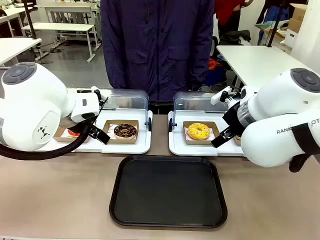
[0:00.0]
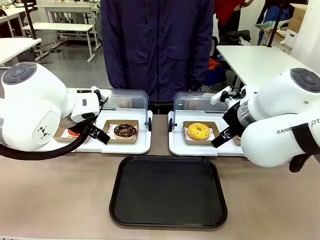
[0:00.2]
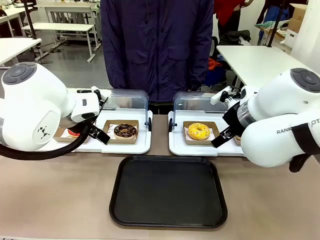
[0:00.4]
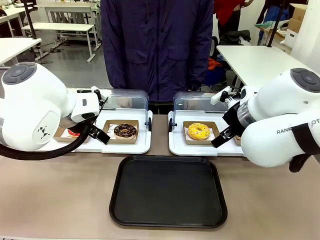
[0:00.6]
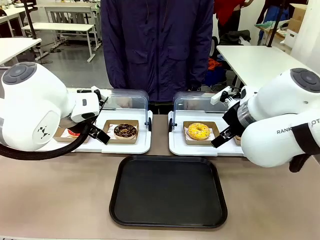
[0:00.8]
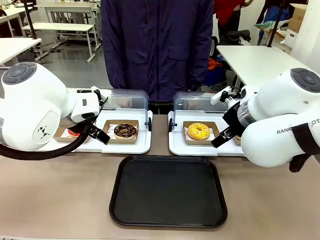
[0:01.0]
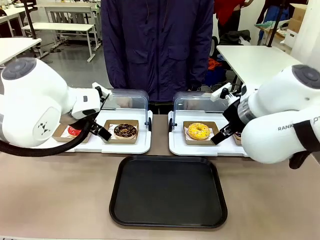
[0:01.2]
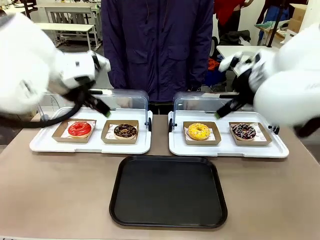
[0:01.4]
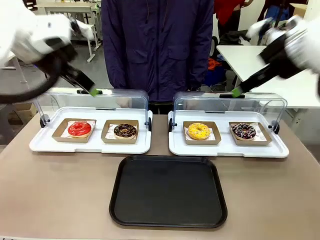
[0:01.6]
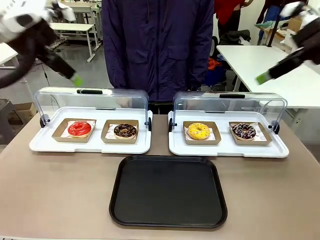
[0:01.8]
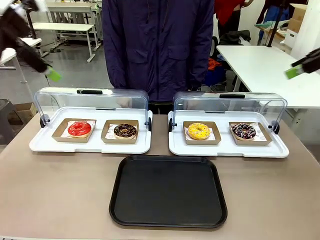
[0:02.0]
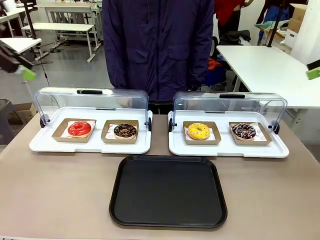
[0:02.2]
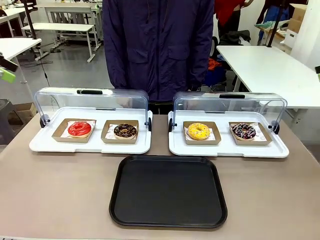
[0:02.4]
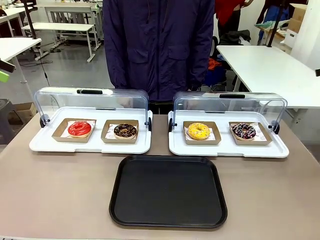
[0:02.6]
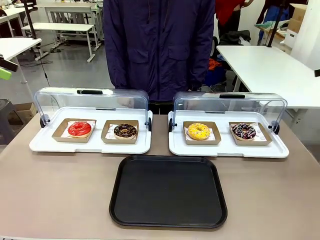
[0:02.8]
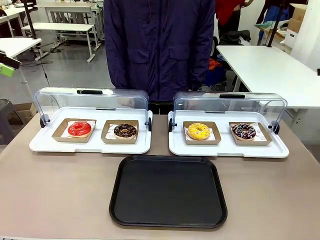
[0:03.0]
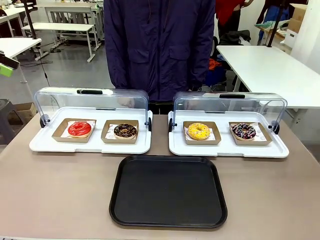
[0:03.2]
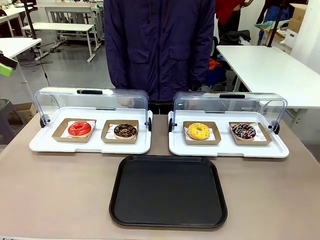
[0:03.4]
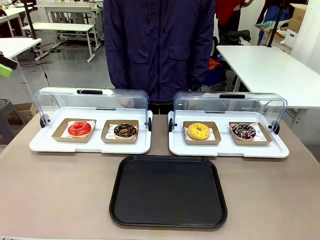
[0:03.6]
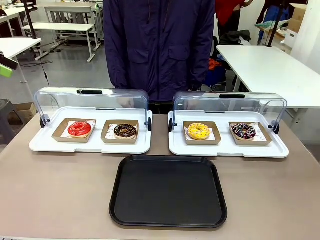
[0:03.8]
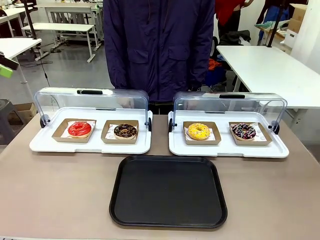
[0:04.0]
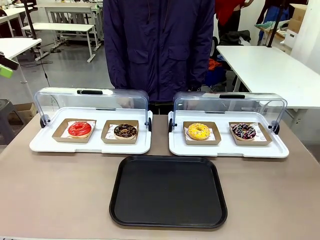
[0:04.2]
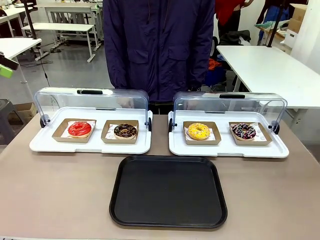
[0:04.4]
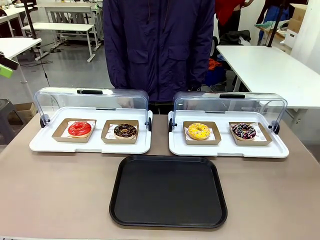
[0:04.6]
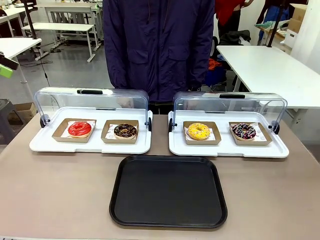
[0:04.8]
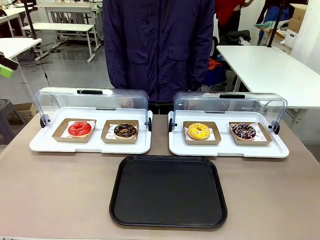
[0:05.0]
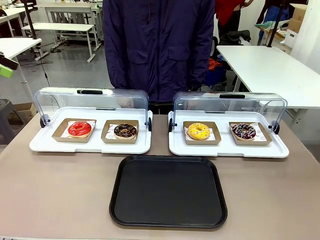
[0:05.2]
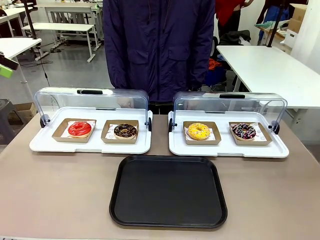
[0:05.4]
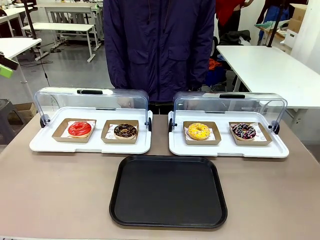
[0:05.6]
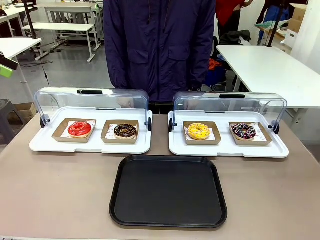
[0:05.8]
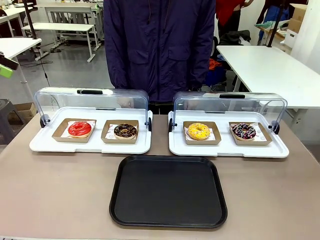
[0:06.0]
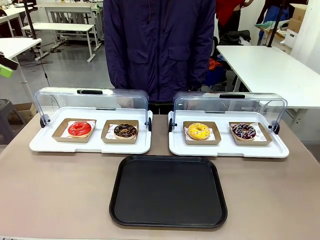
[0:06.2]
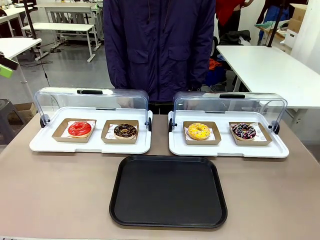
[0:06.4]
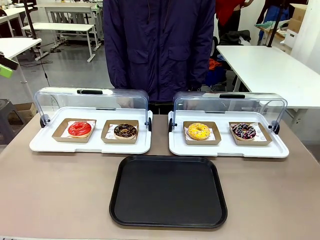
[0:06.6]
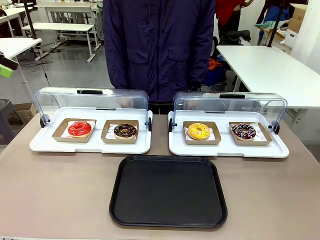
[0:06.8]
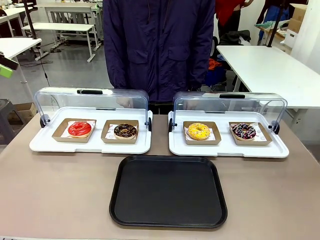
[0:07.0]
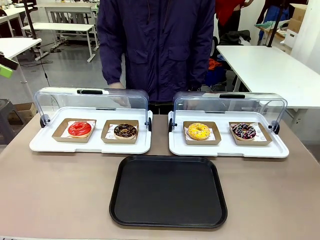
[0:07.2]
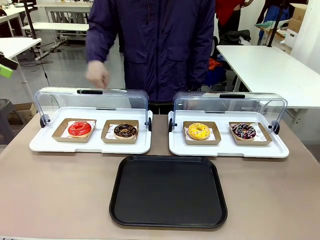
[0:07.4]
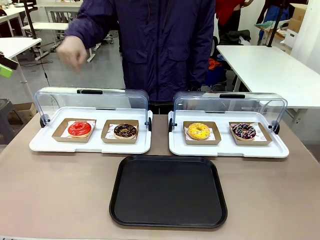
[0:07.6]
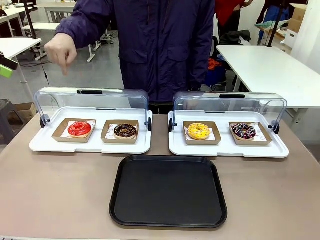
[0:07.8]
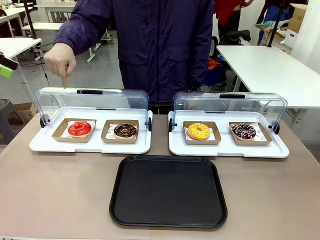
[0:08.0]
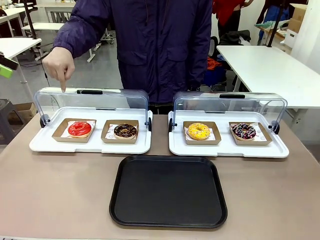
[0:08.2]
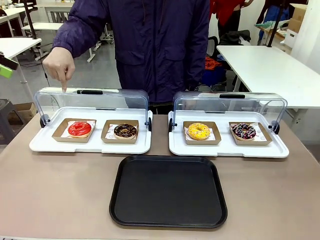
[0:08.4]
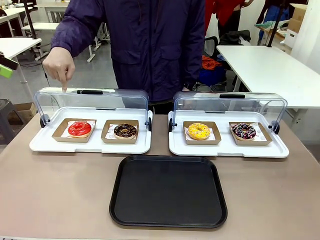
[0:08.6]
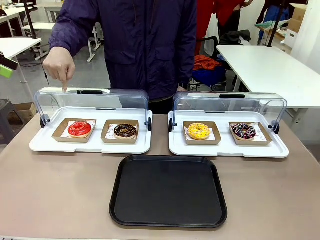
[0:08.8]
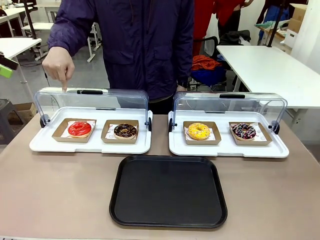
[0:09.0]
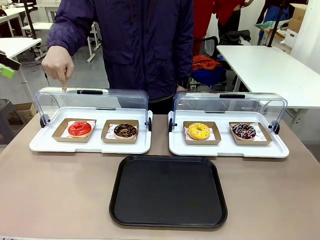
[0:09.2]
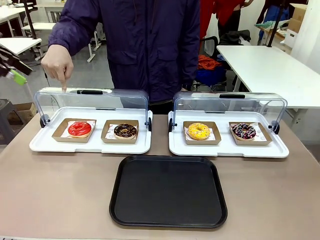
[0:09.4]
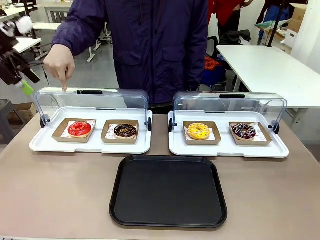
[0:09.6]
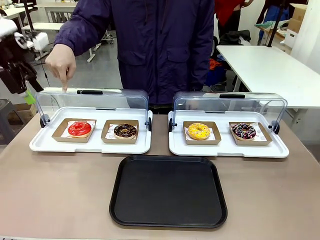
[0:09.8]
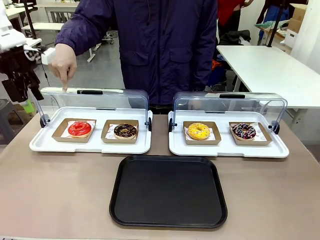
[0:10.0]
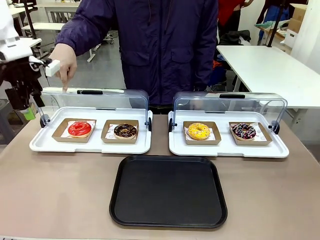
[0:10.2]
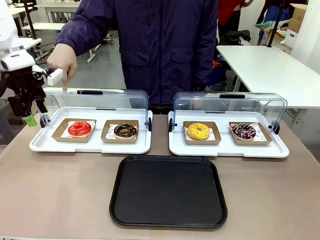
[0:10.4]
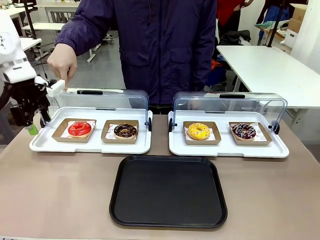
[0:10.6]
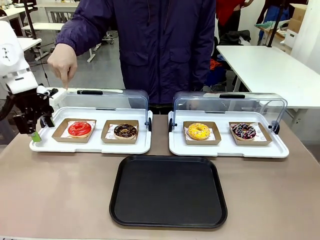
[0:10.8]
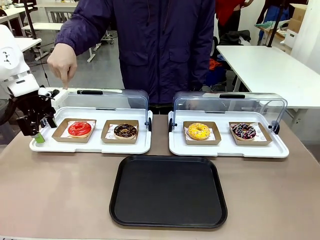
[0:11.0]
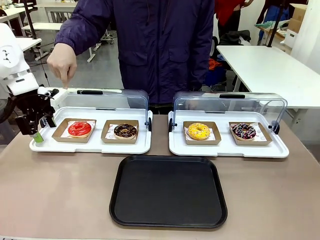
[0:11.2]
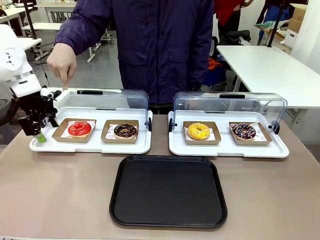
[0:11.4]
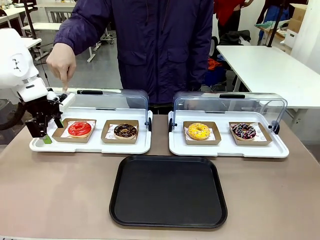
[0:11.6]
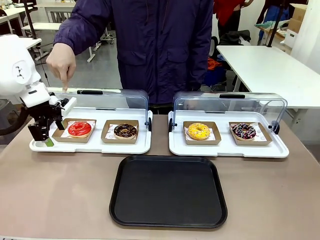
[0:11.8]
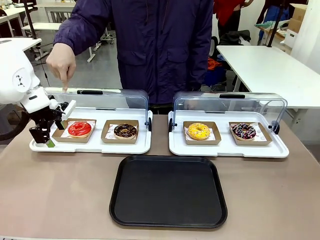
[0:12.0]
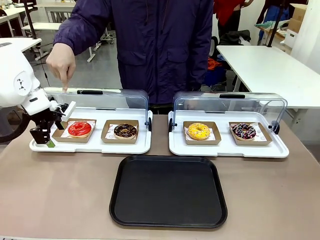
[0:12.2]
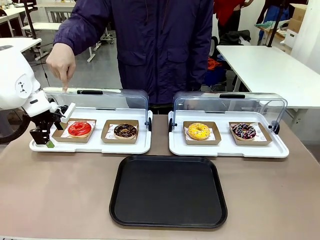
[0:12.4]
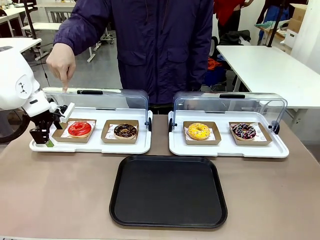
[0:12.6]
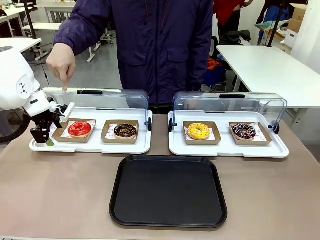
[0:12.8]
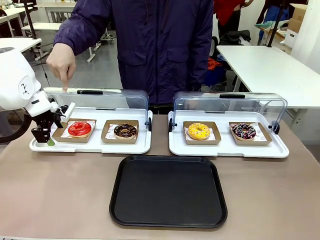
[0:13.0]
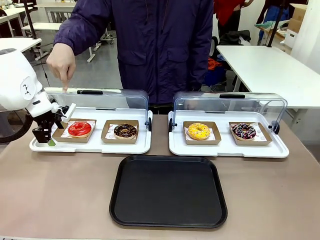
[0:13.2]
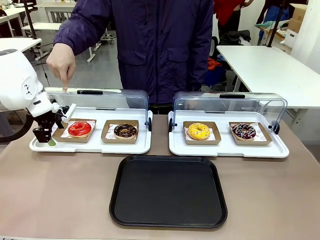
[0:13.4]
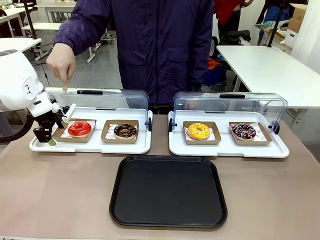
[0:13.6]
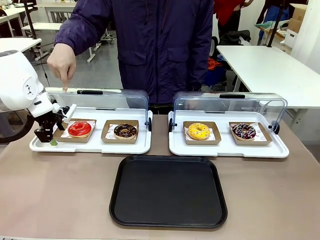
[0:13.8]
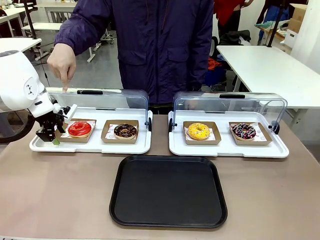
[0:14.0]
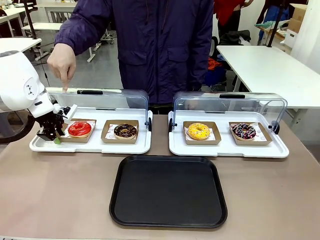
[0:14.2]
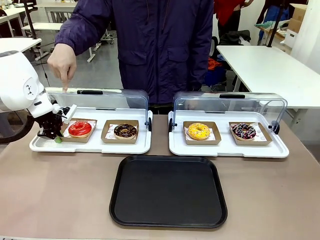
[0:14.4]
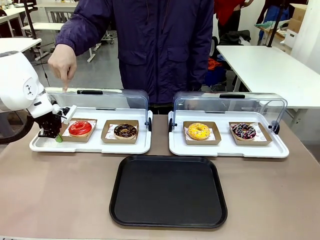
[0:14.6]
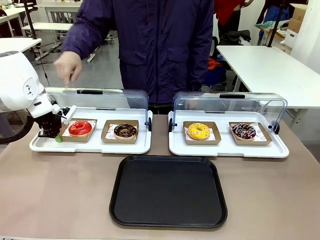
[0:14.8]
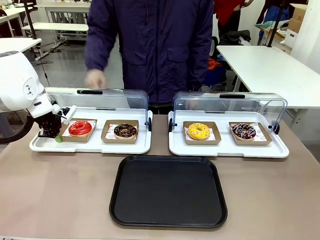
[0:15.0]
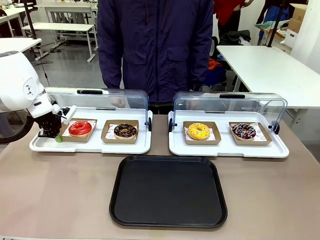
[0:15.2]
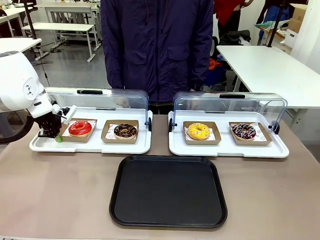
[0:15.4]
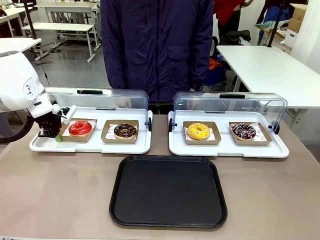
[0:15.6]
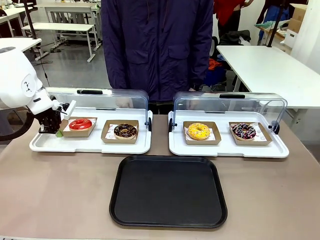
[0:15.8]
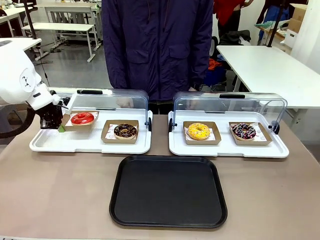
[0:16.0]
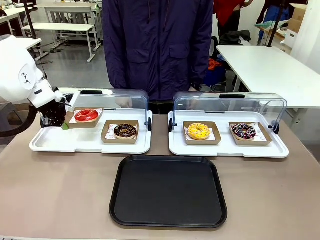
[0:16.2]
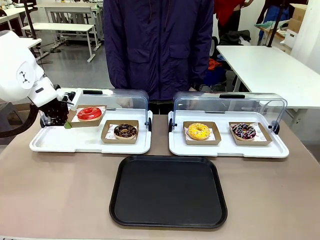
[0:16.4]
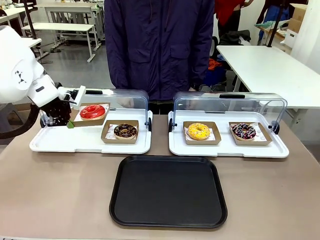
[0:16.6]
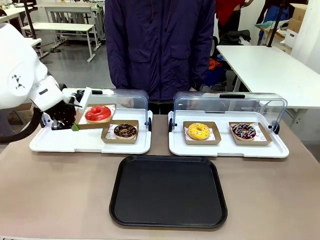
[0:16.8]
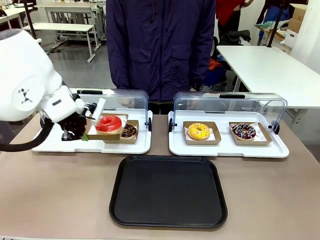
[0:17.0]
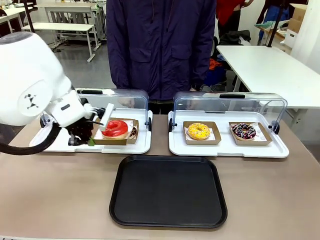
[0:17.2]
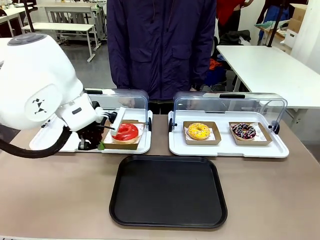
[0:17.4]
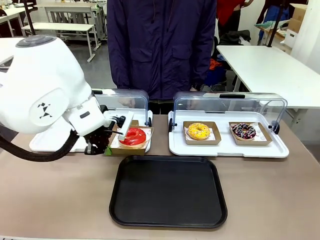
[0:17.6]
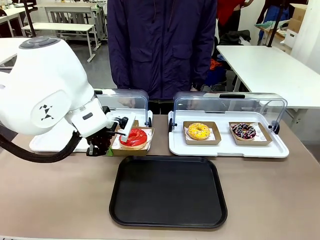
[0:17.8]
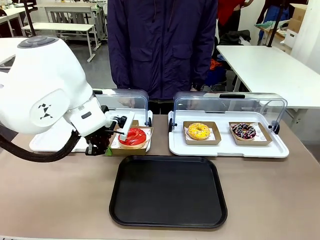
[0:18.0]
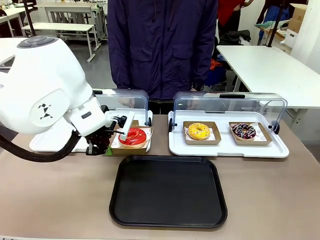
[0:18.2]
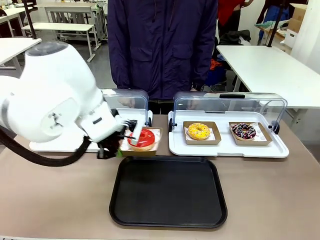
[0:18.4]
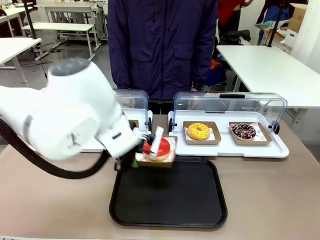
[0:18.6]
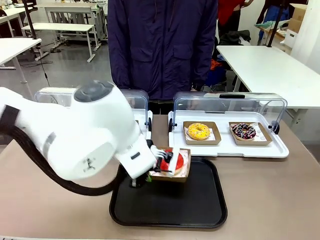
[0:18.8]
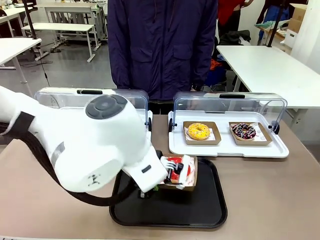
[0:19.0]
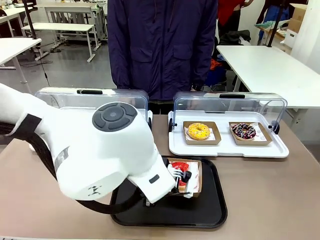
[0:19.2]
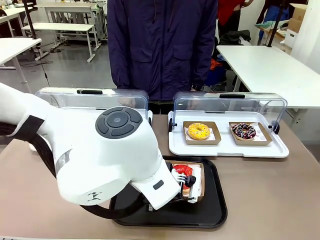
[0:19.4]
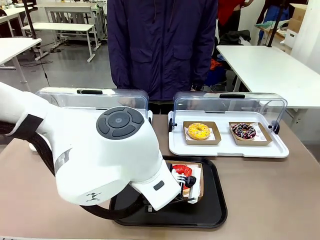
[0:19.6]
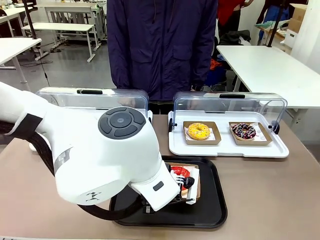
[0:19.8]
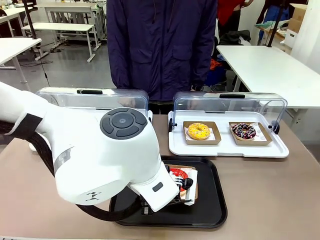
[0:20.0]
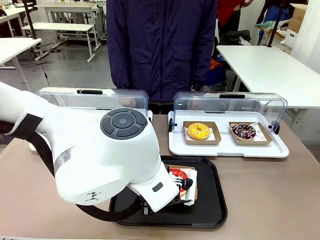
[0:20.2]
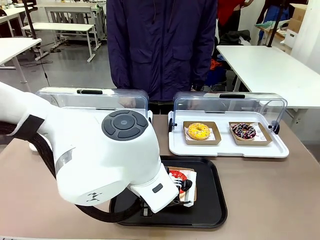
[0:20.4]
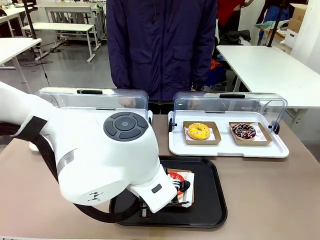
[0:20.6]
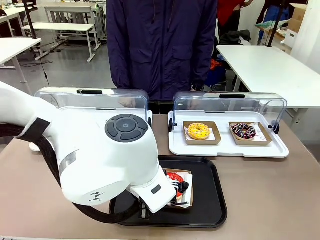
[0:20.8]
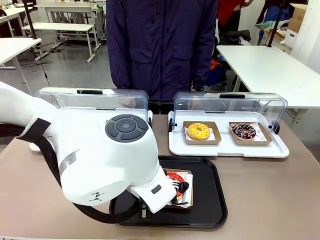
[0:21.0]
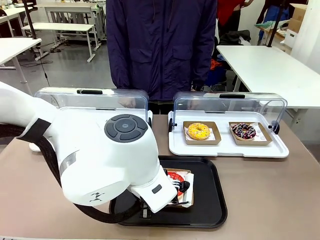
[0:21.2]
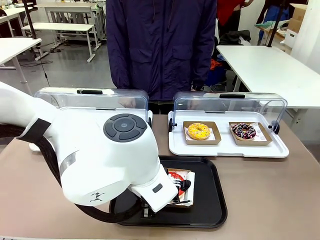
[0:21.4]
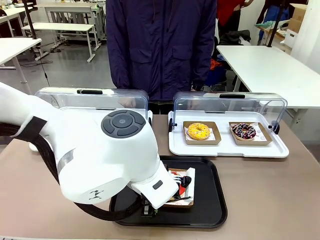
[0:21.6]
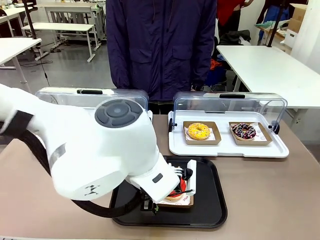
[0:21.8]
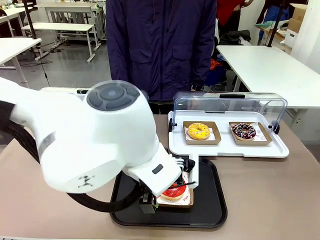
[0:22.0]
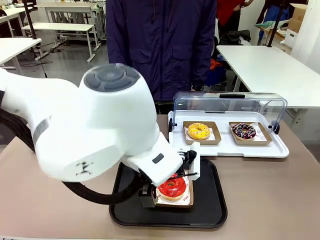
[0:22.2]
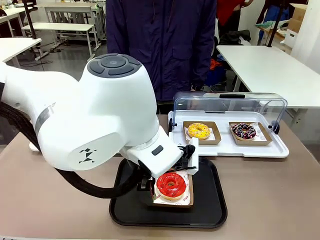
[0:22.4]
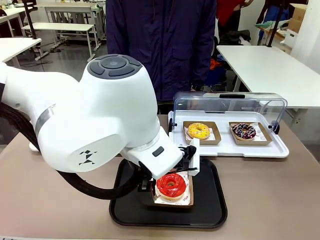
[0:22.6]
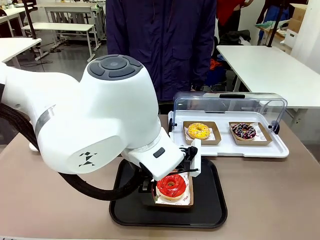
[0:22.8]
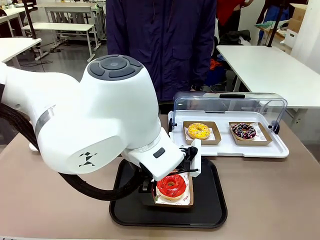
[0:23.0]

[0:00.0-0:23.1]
Task: Move the first donut from the left to the tray.
Robot: Pick up the Paper togo box containing the Donut indicated by the person and place it on the Handle tray.
Person: Points to the first donut from the left from the robot’s perspective.
